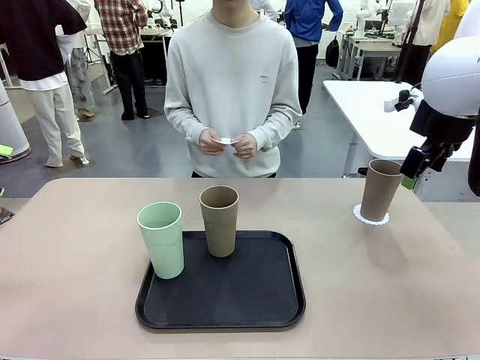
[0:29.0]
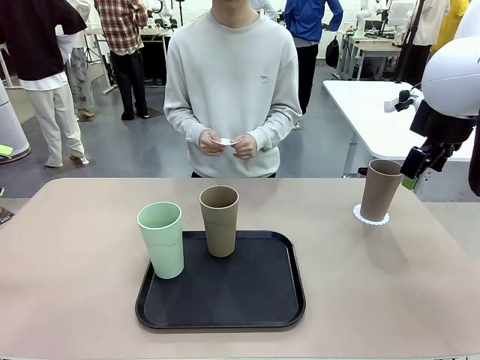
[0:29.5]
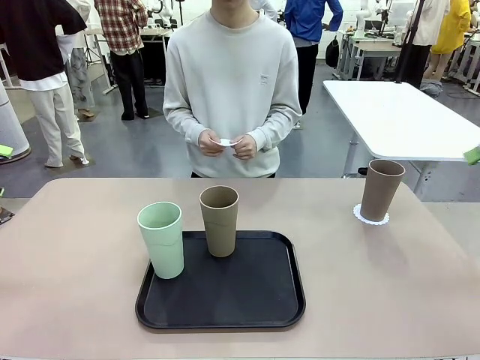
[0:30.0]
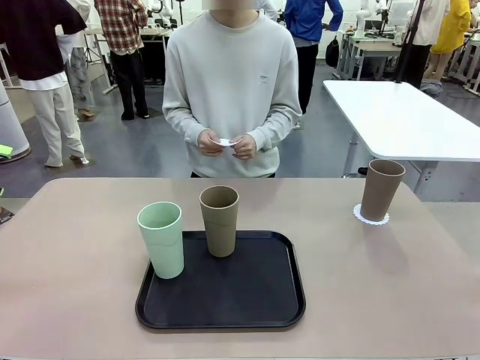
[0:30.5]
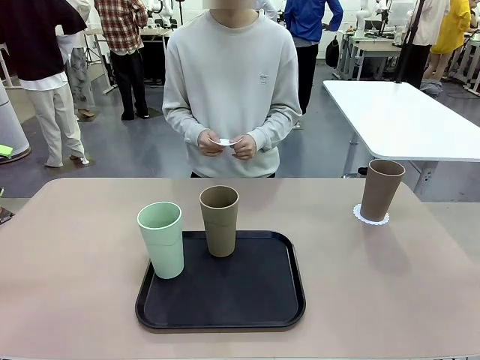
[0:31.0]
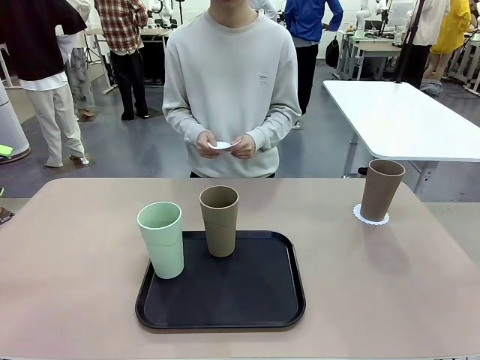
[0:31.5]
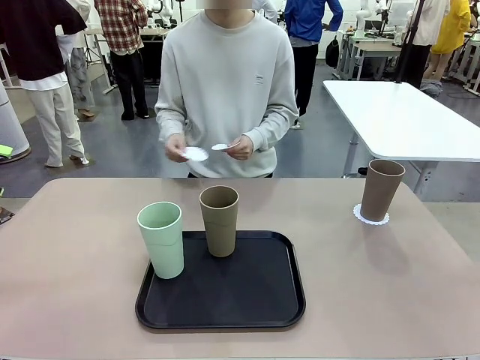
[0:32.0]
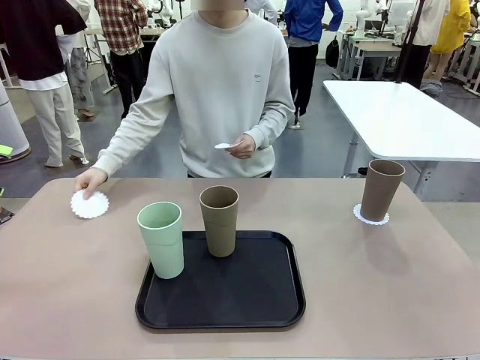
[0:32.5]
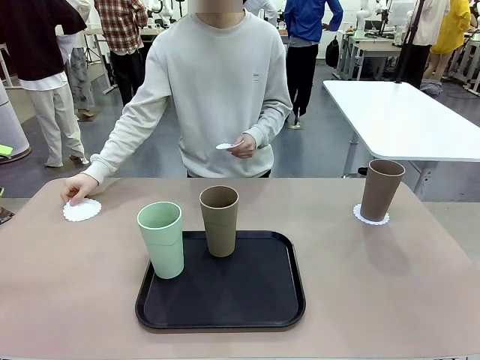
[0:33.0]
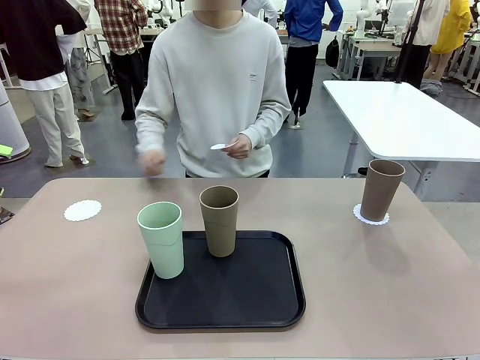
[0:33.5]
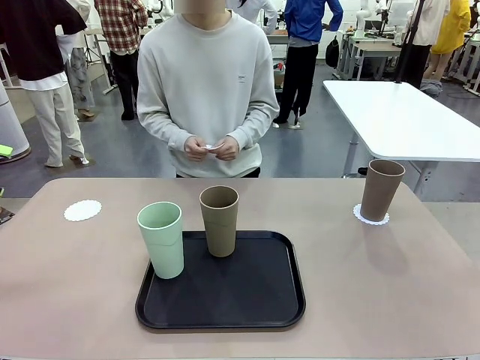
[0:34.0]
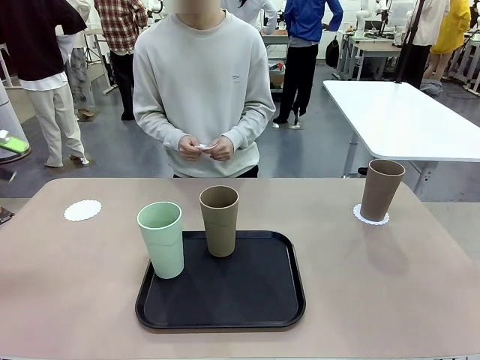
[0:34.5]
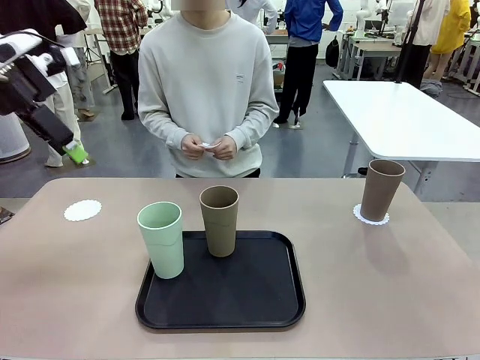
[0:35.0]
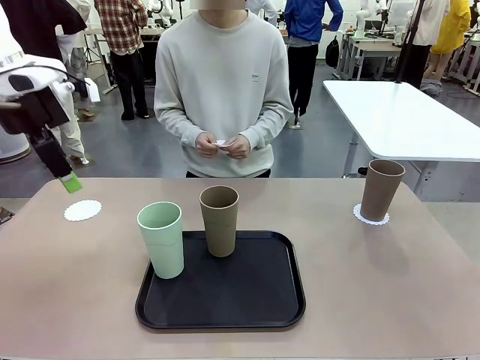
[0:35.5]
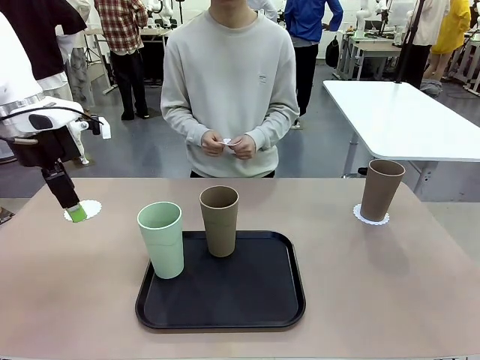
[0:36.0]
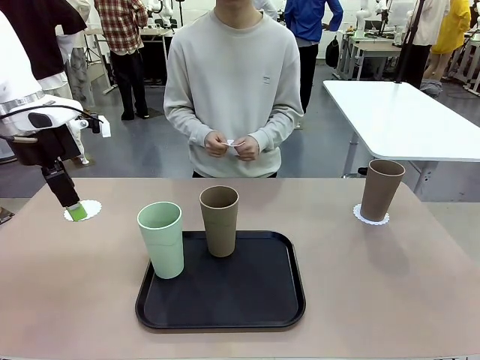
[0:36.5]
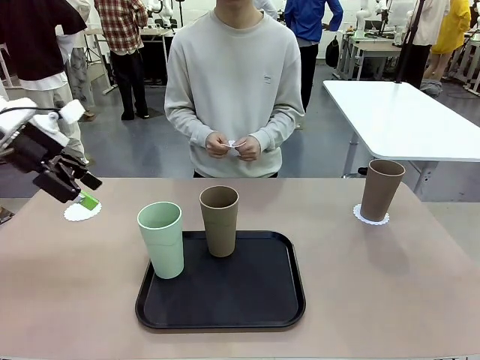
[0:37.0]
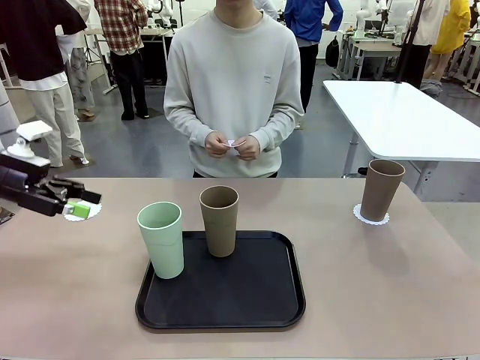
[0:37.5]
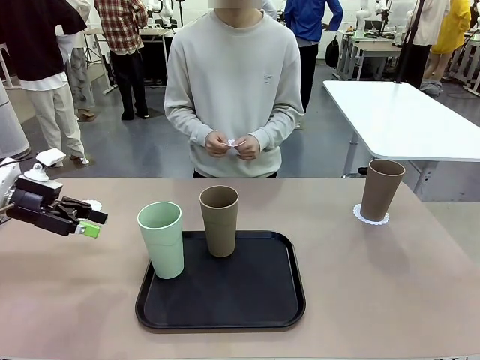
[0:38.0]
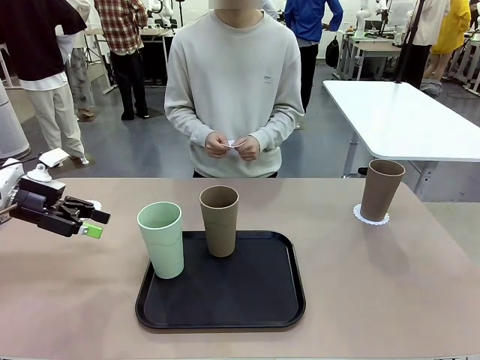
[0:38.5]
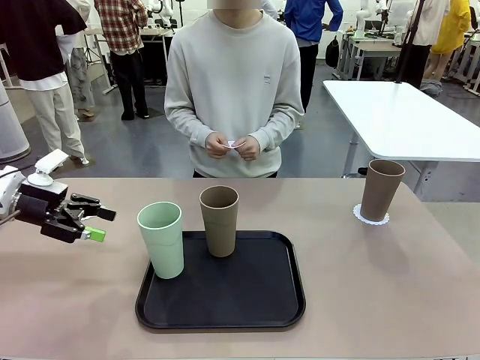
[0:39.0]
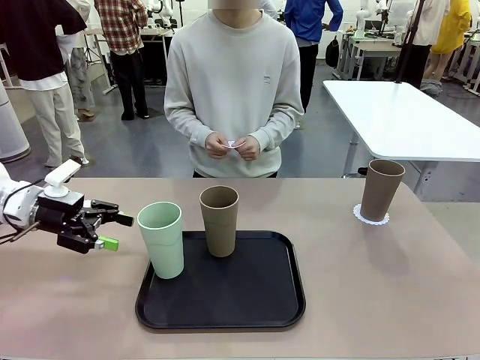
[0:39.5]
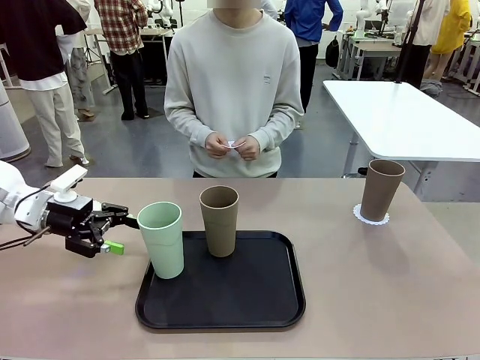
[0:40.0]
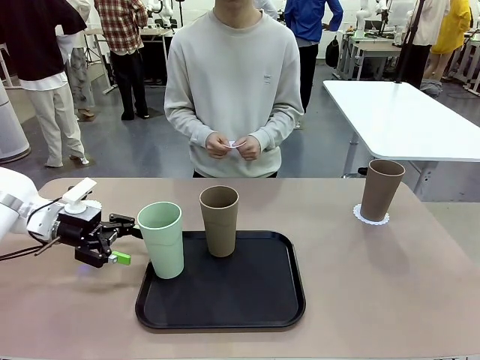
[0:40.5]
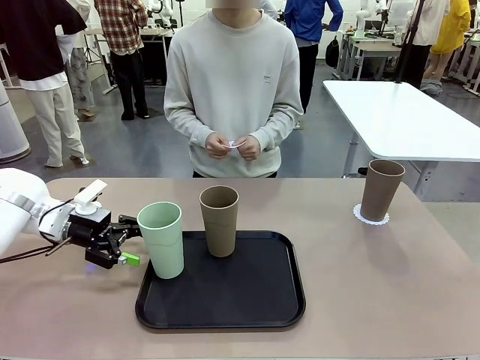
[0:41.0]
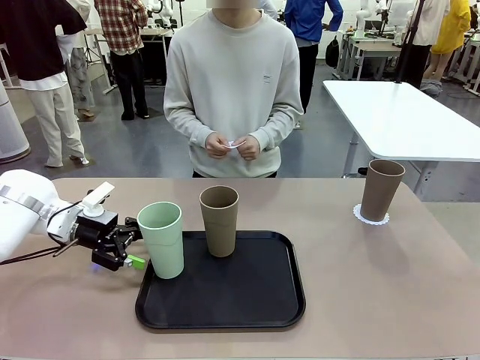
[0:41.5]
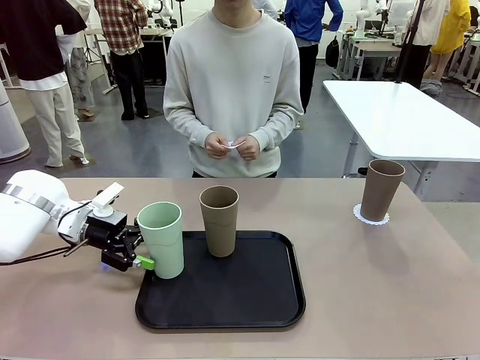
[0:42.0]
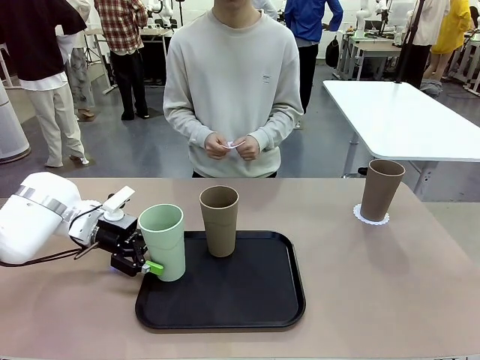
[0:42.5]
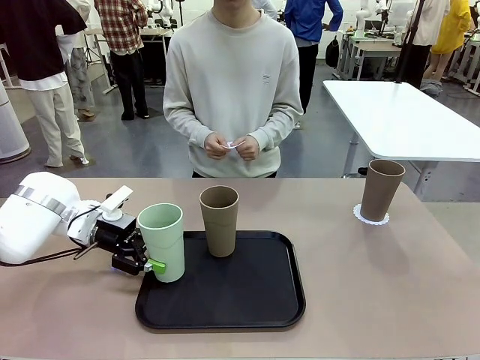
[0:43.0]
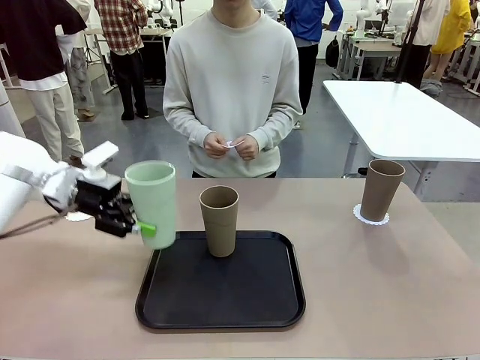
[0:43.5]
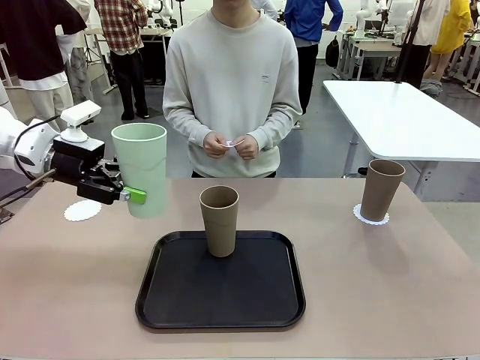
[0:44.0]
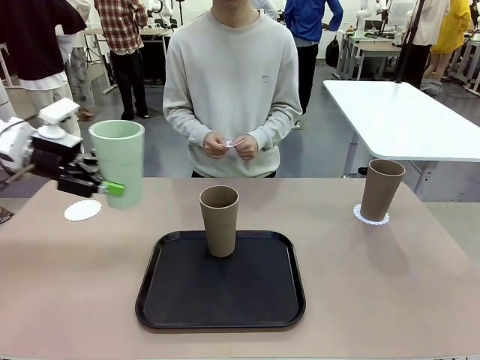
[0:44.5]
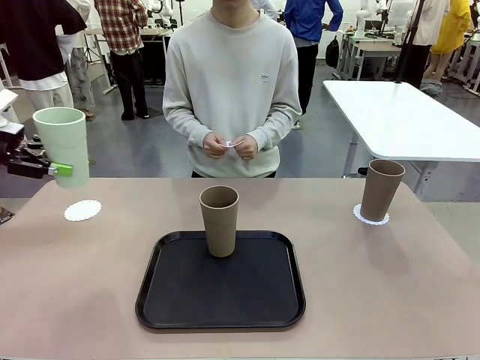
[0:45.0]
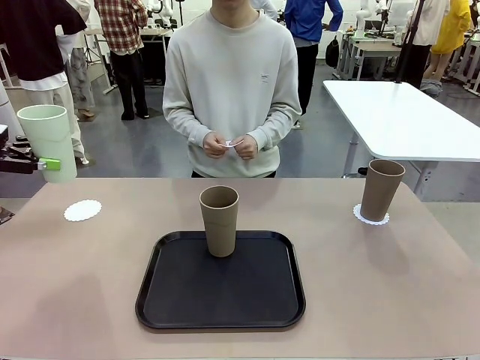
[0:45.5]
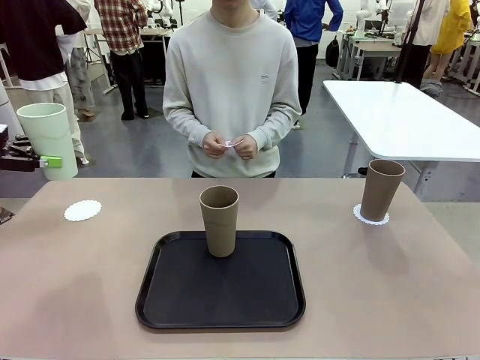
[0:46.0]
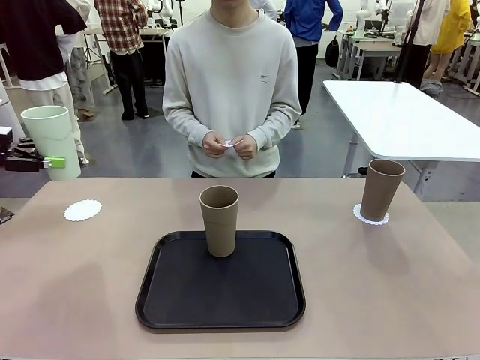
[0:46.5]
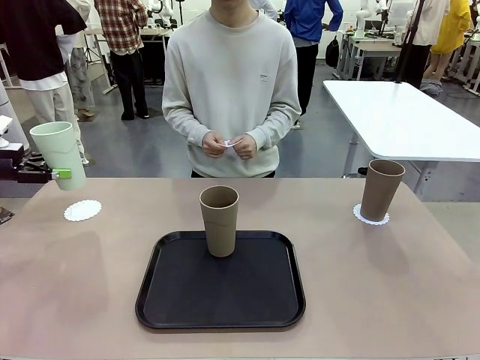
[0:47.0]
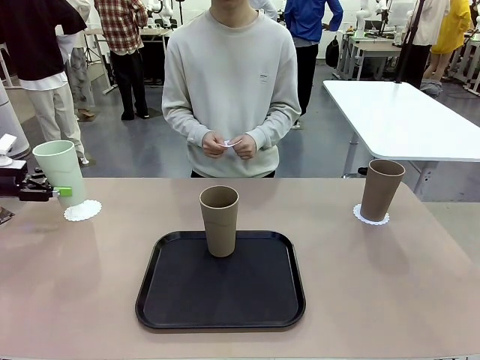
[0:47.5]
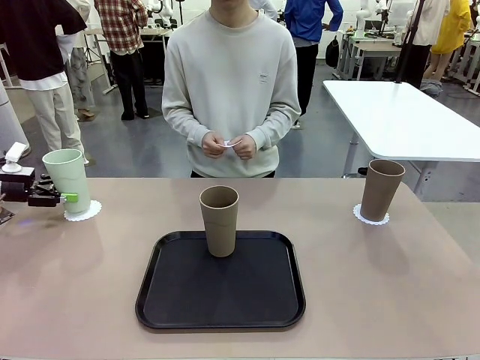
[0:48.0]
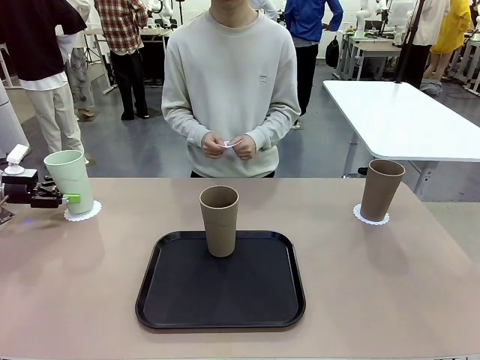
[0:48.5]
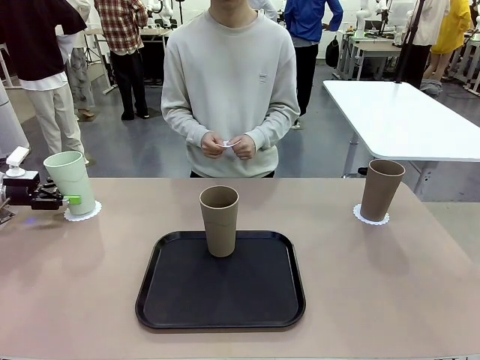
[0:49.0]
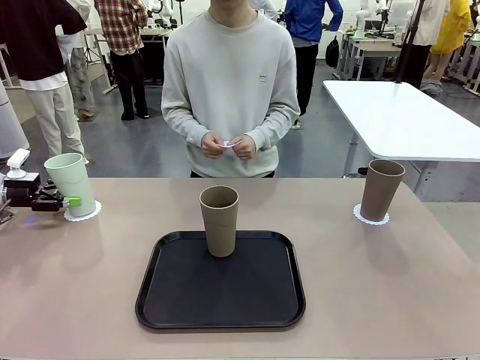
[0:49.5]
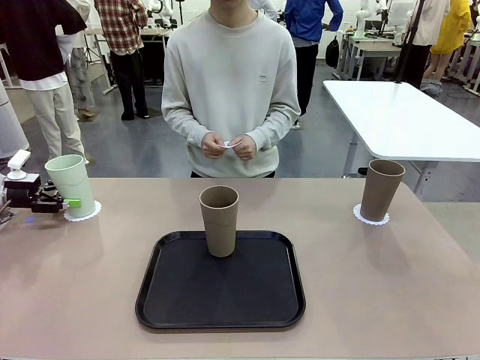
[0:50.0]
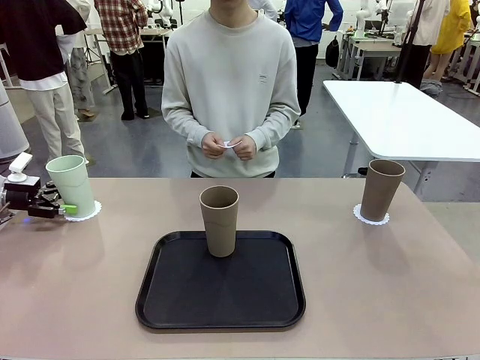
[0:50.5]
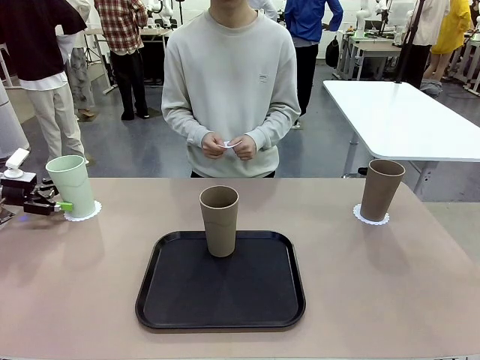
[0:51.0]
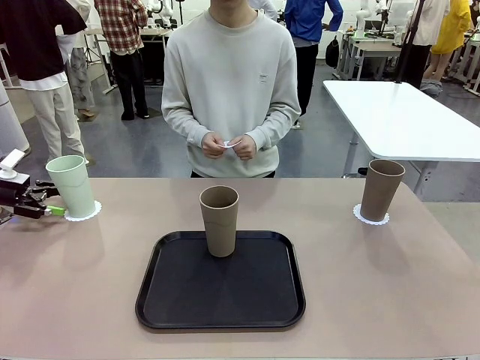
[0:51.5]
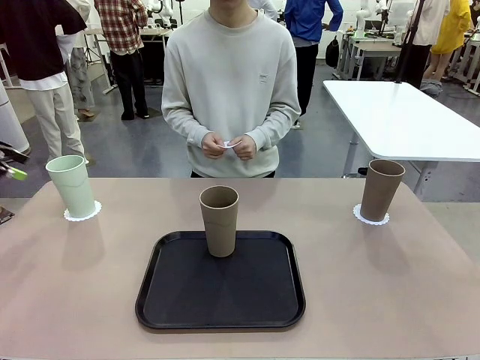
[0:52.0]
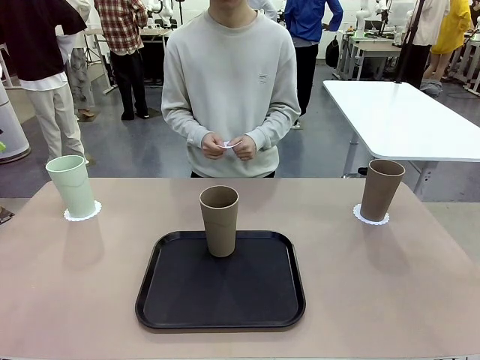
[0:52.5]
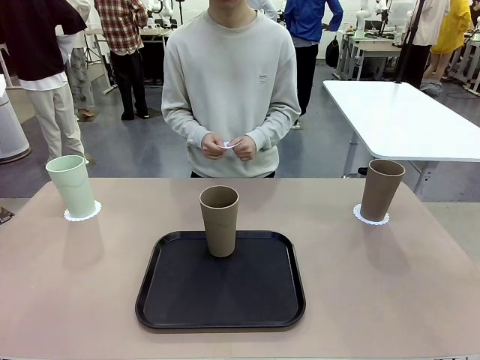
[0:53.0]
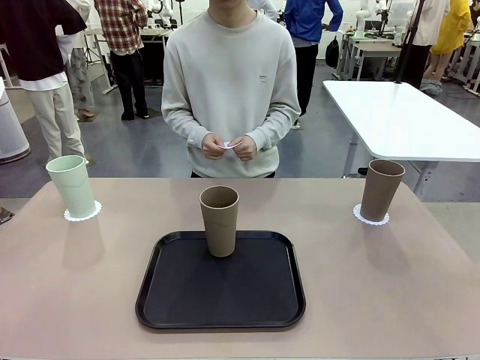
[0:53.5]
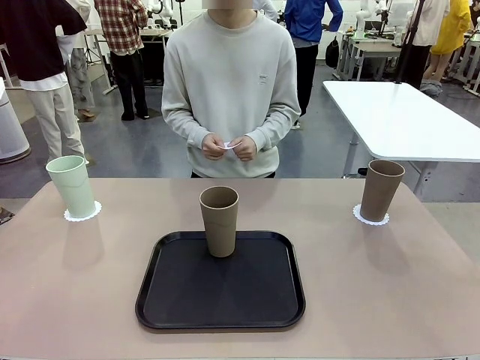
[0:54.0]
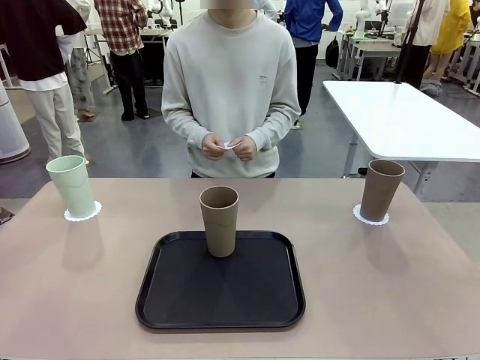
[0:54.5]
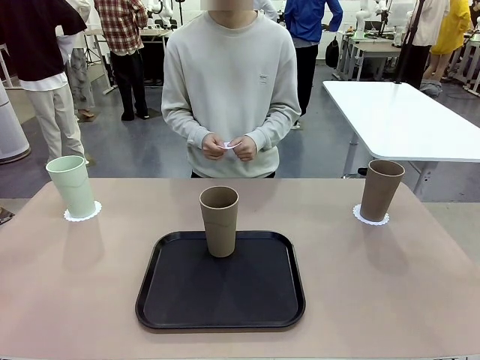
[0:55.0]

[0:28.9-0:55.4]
Task: Place coasters on the table and set cups on them.
Robot: Take one Reusable plastic cup from the Flat Tray and place it on a coaster set by the human.
